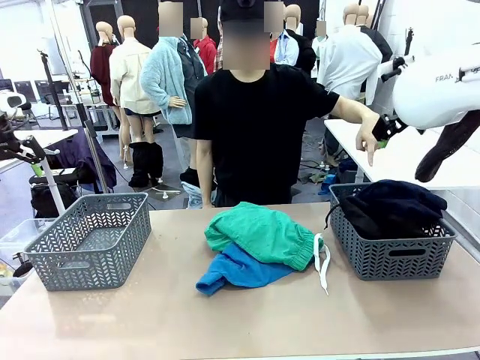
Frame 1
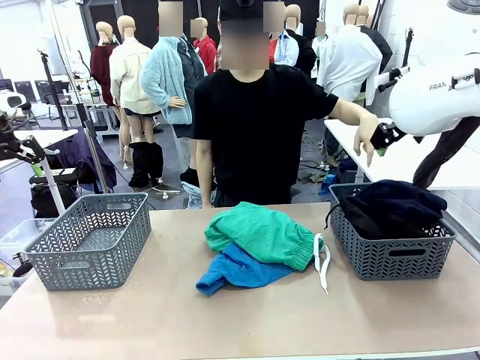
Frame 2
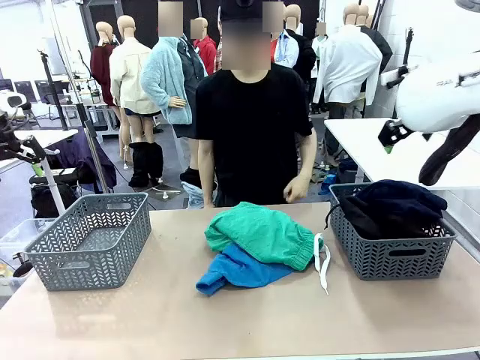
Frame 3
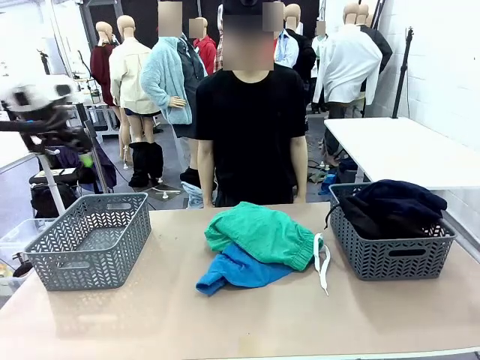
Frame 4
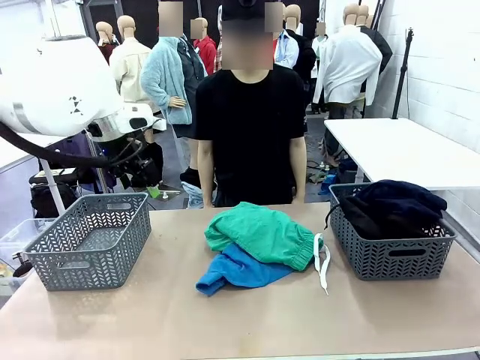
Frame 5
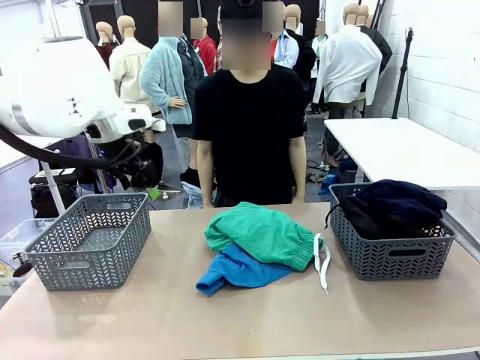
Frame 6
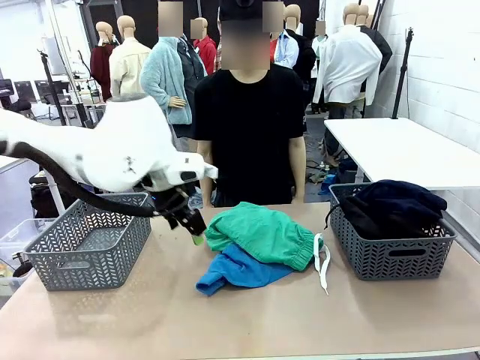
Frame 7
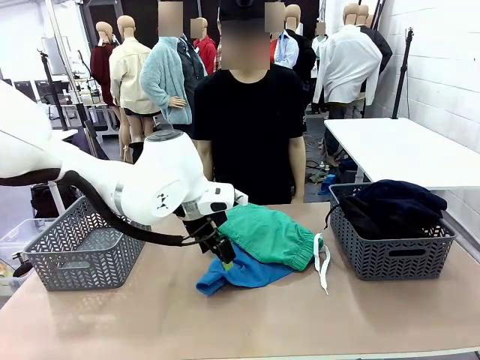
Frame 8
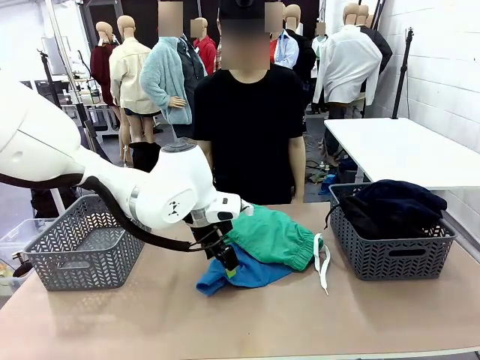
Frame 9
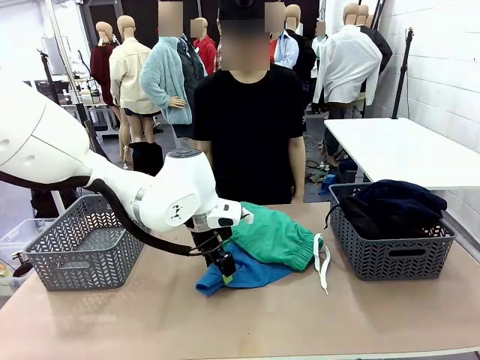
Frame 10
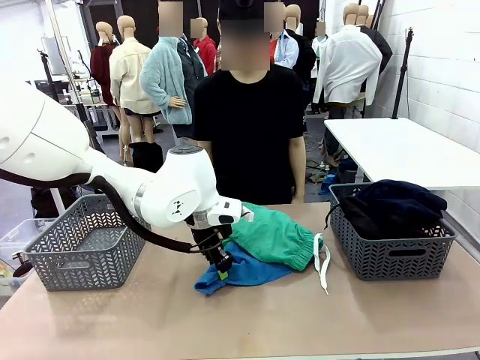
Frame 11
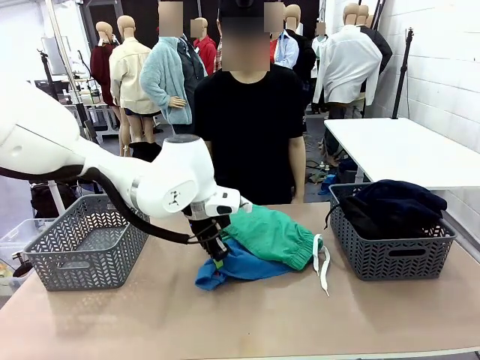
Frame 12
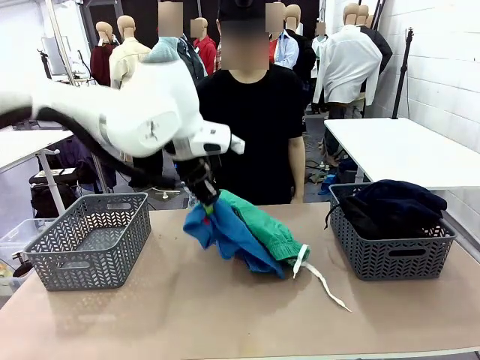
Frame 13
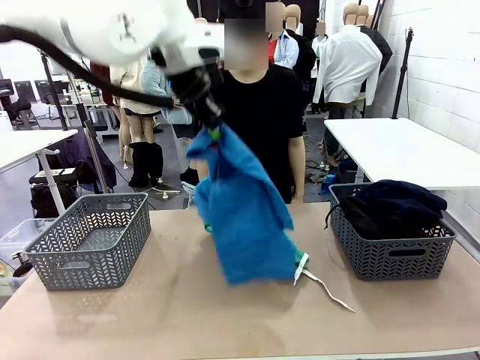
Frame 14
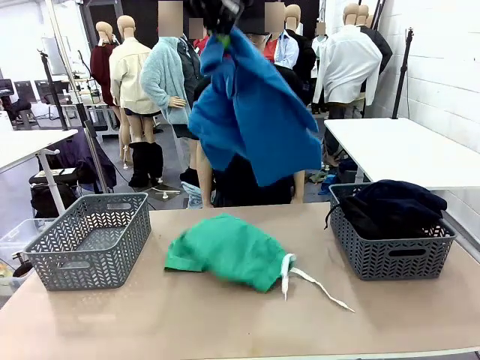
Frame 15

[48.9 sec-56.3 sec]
Task: Sort the tops and bottoms.
Robot: Lift clothes from the center of the table with your left hand.

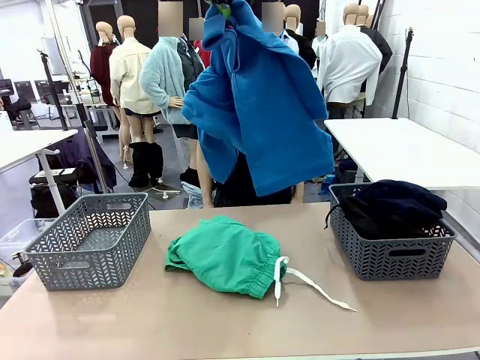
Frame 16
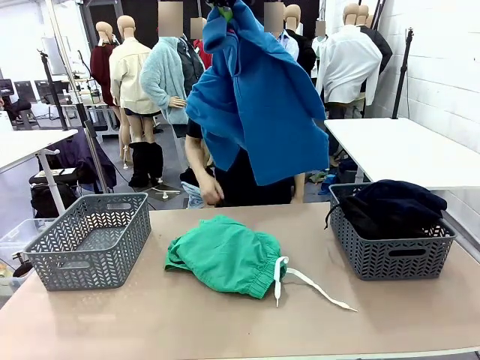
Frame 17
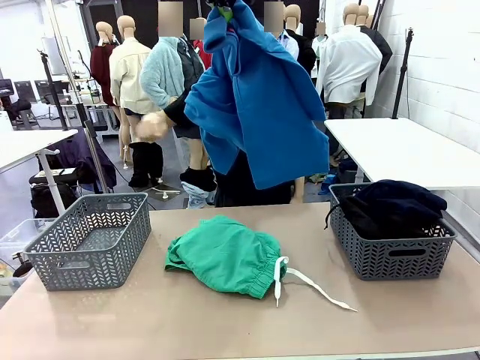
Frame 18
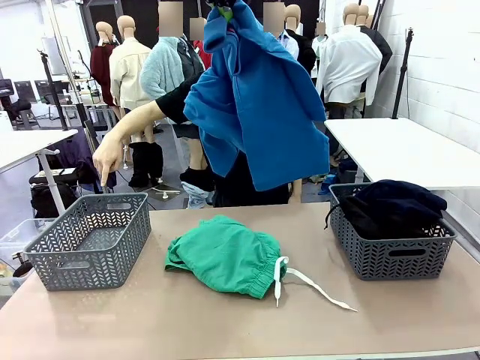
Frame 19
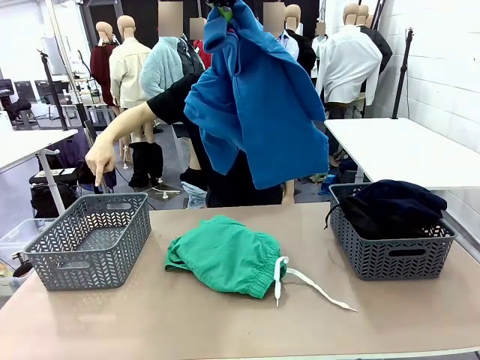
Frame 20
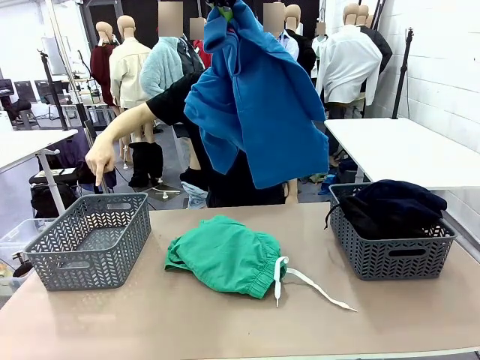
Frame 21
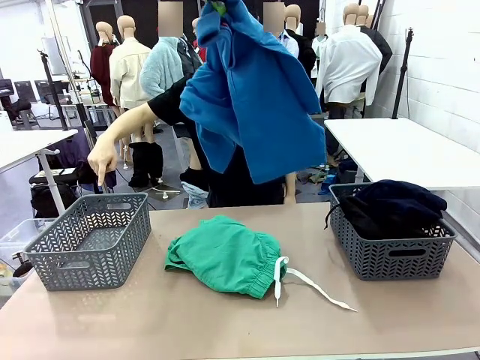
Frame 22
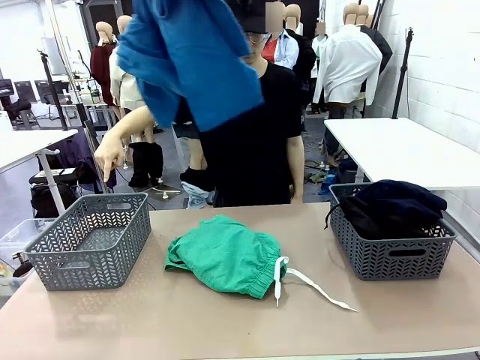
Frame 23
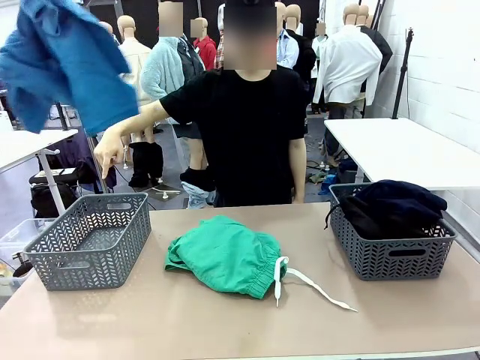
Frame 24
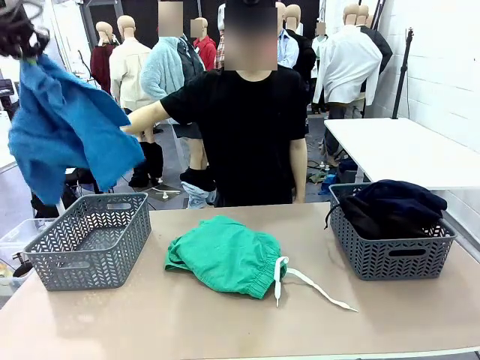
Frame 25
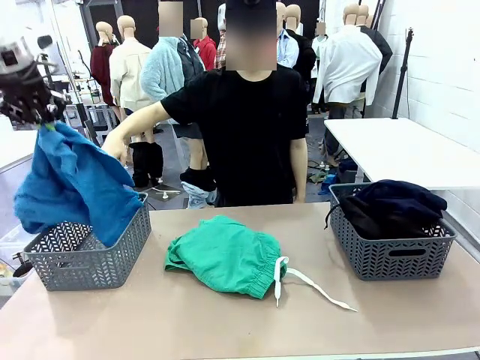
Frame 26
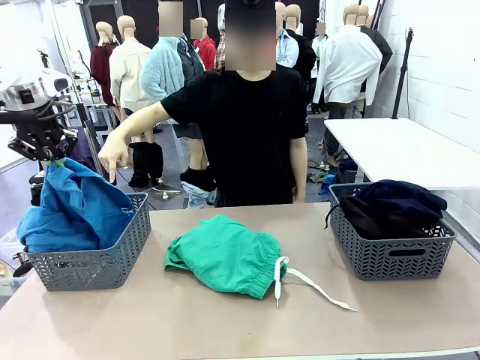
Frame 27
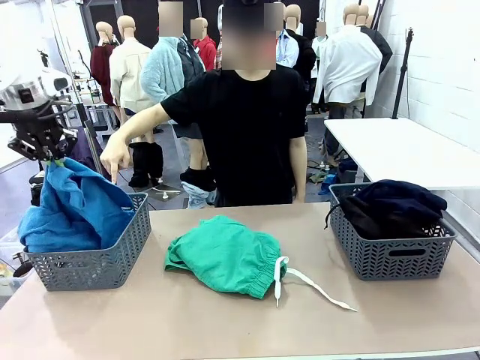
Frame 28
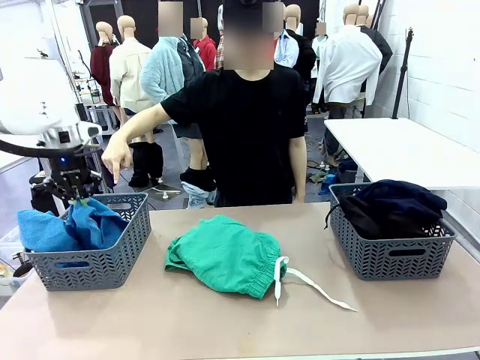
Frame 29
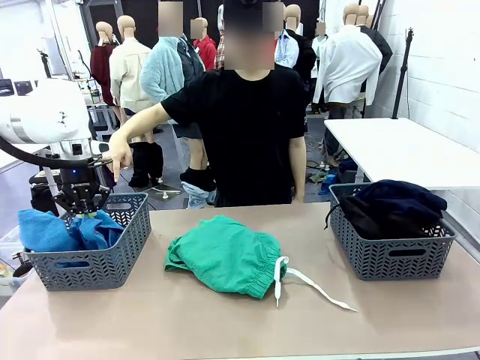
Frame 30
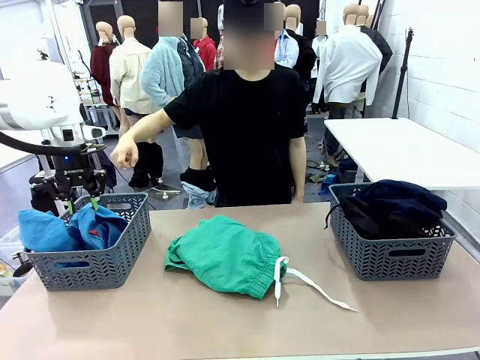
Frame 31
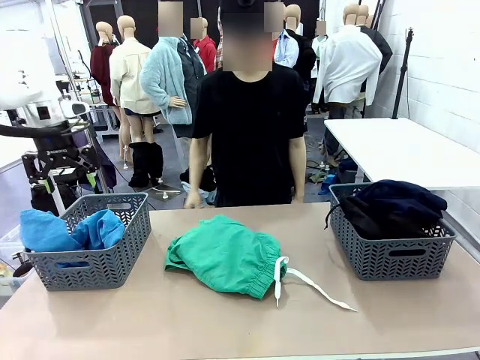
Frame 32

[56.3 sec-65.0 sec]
Robot: Sort the clothes according to human instructions.

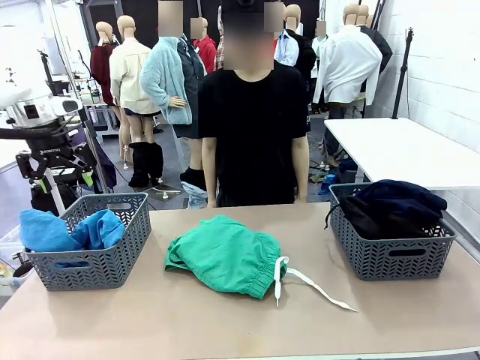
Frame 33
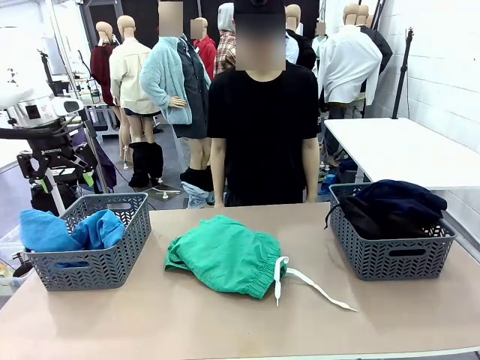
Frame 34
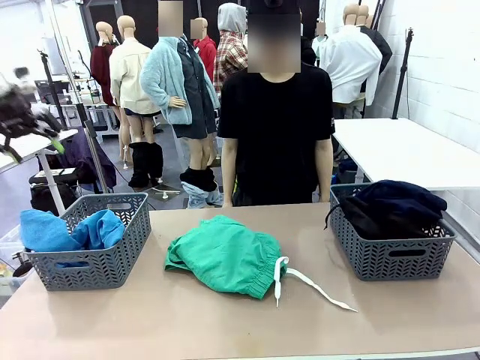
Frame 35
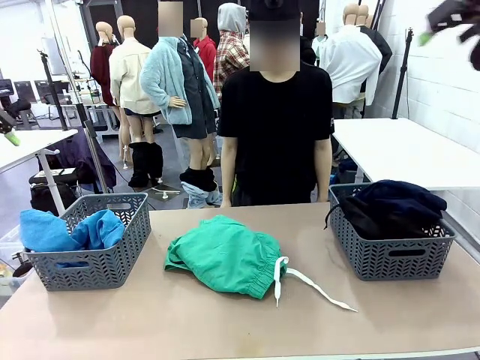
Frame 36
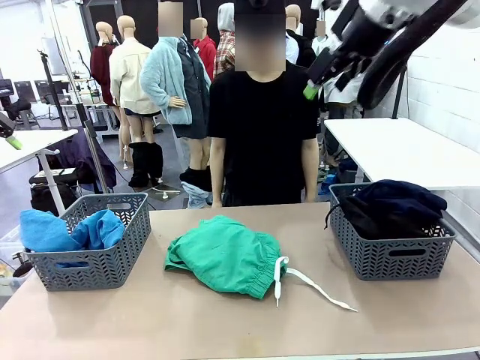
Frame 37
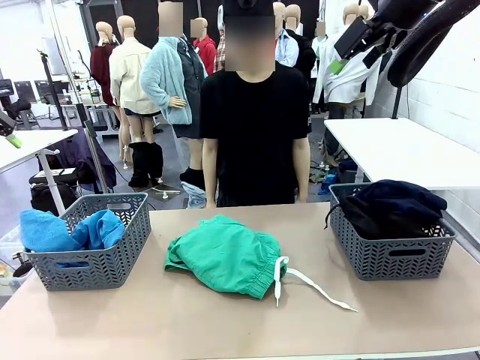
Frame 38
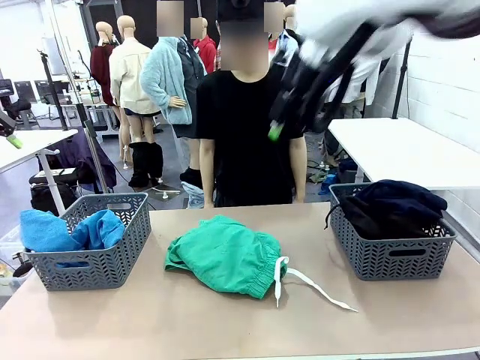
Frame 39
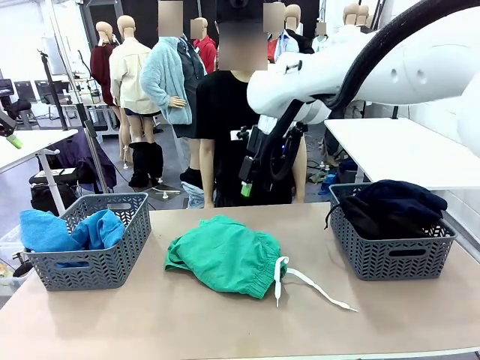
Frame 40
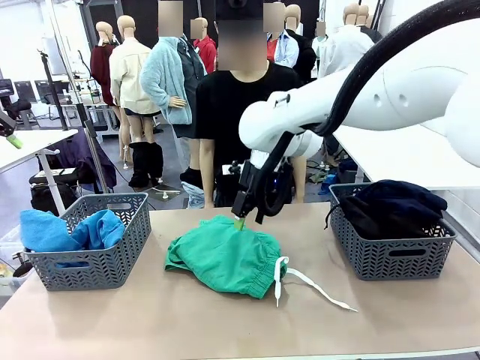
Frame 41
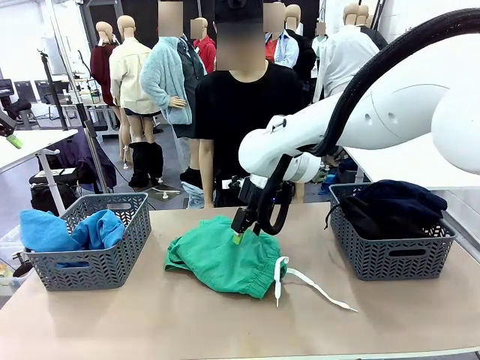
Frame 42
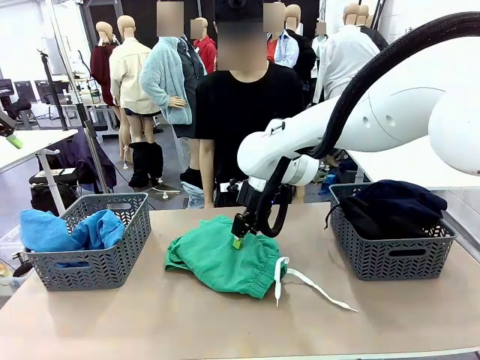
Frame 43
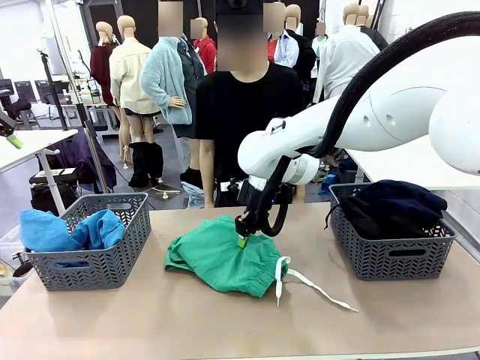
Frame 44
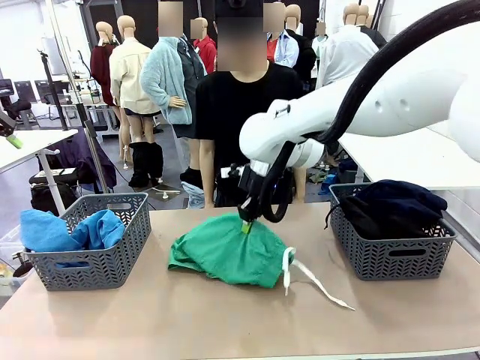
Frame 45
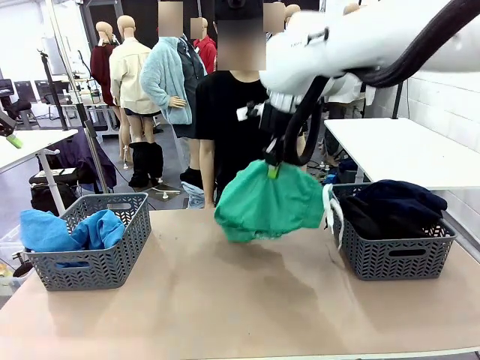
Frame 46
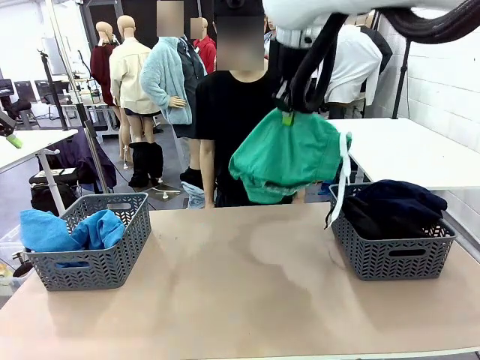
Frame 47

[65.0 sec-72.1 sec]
Robot: Lift clothes from the center of the table with your right hand.

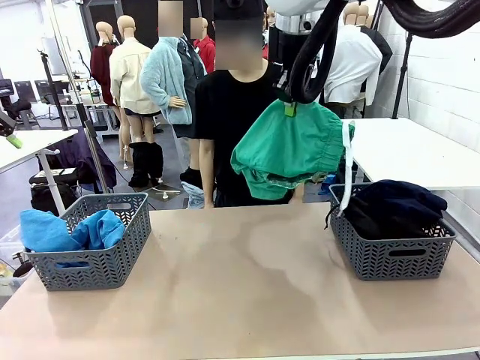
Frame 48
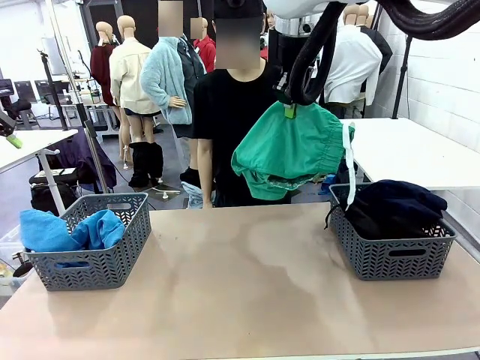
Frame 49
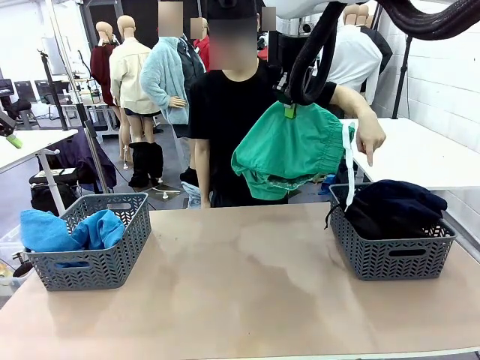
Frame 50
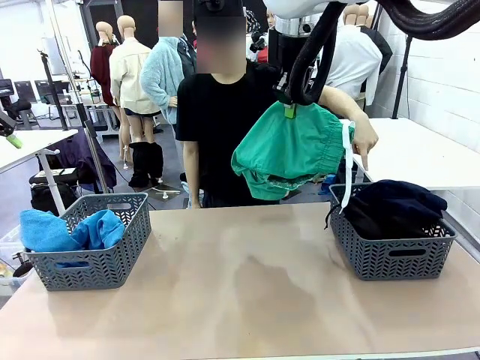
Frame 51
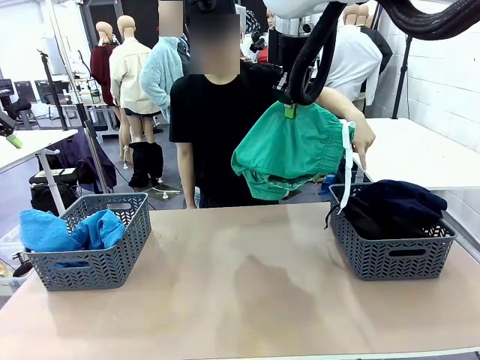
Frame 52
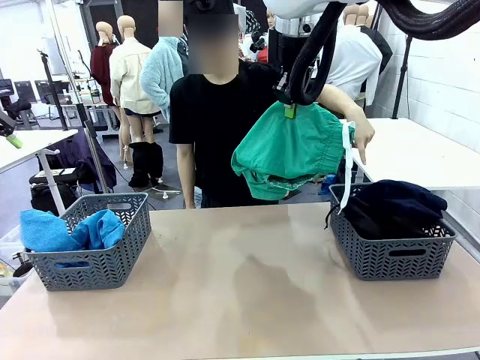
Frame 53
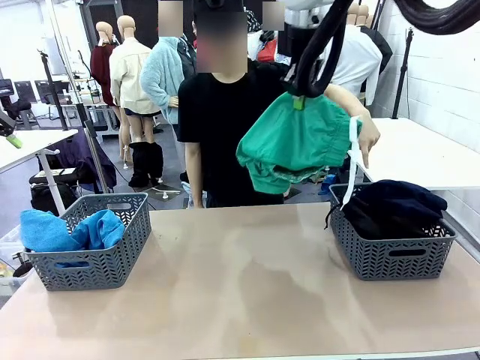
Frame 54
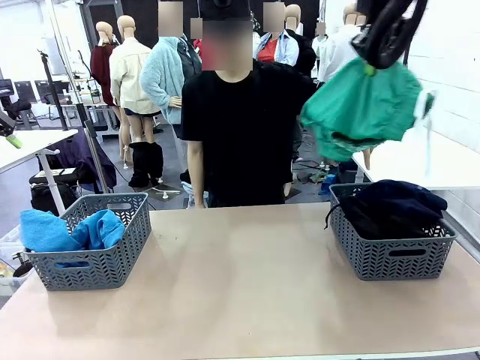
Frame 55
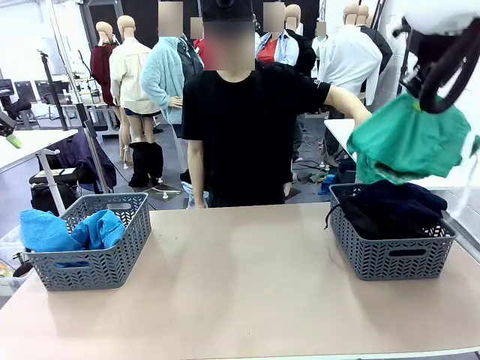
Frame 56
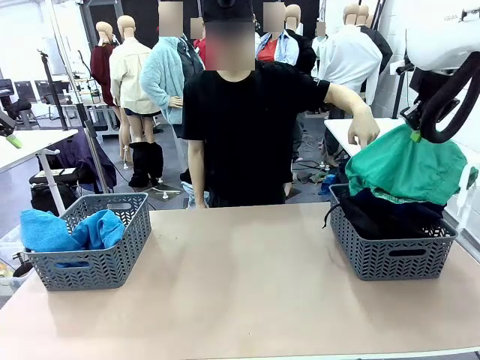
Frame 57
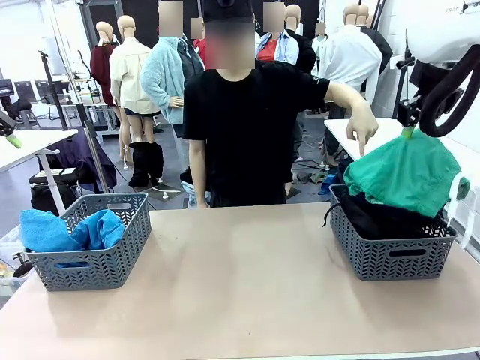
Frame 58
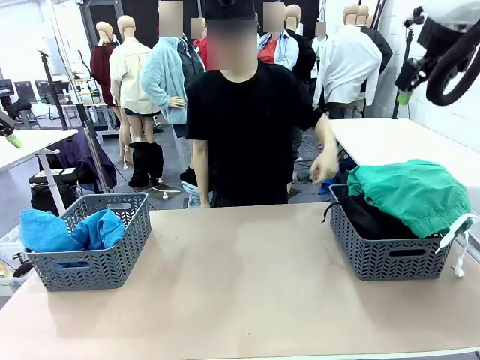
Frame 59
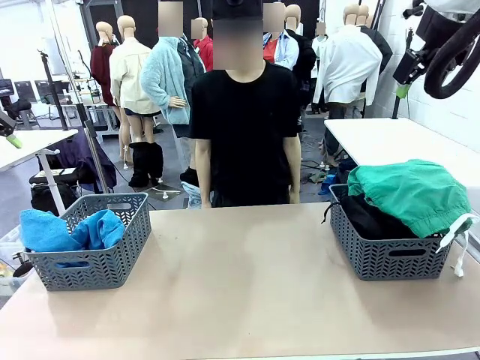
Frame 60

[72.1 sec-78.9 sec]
Robot: Sort the clothes according to human instructions.
